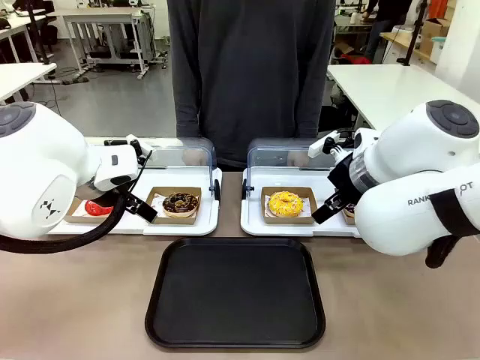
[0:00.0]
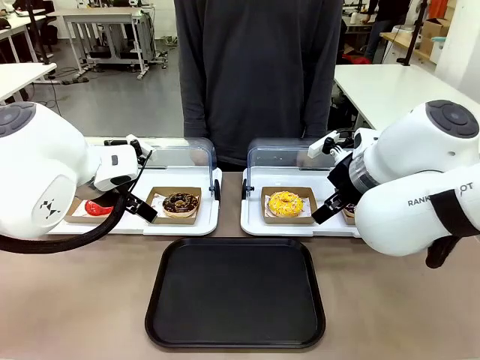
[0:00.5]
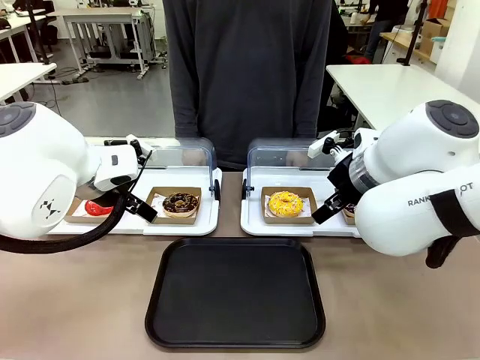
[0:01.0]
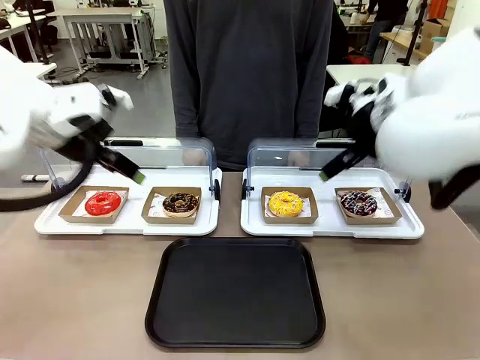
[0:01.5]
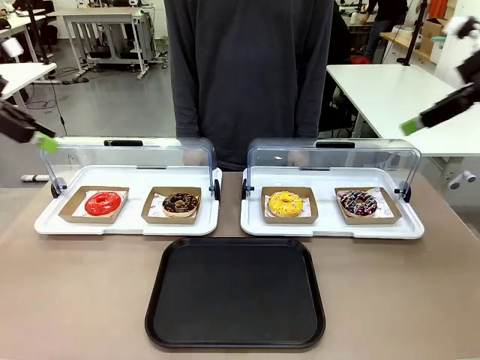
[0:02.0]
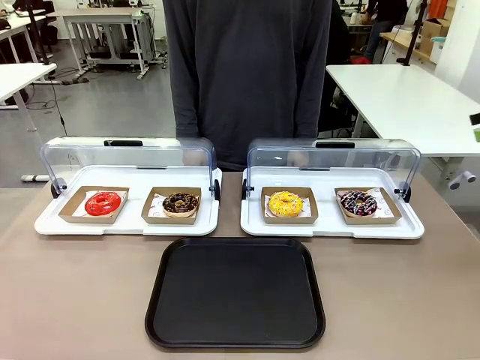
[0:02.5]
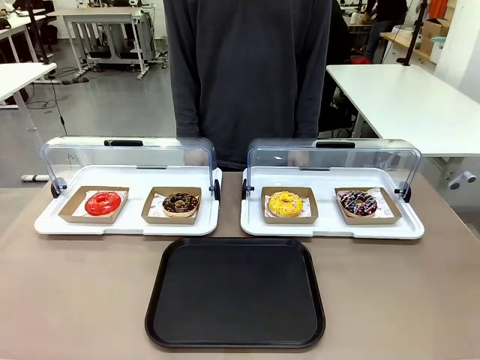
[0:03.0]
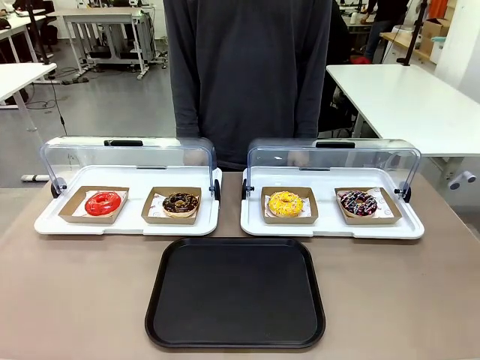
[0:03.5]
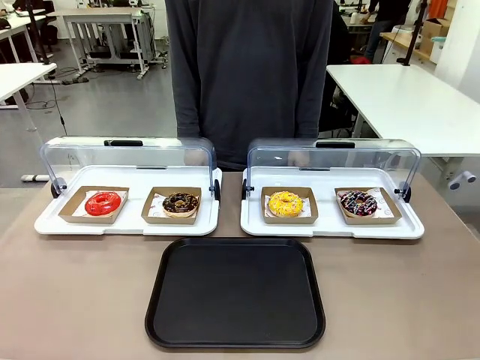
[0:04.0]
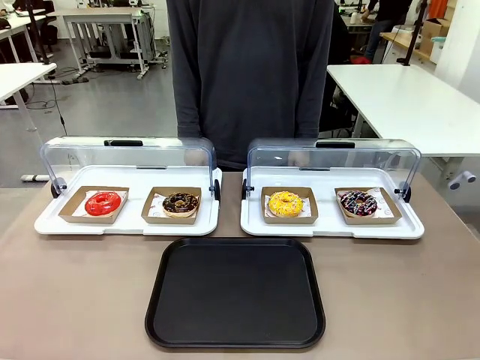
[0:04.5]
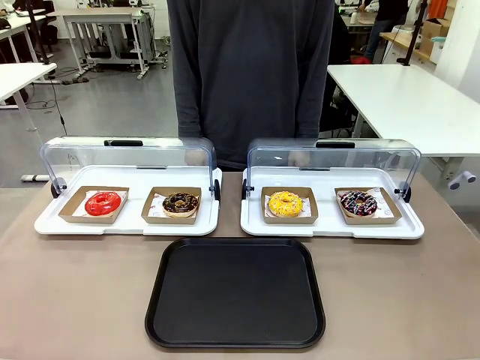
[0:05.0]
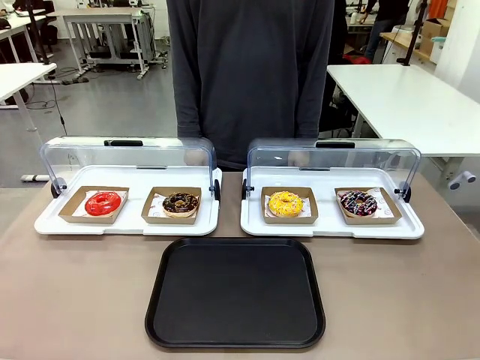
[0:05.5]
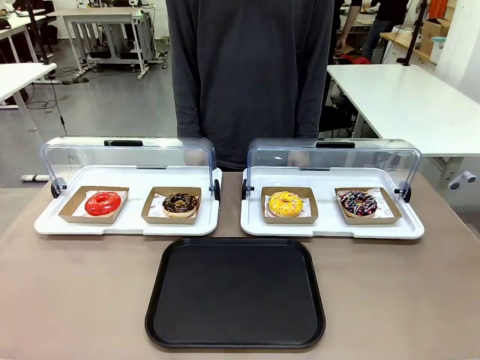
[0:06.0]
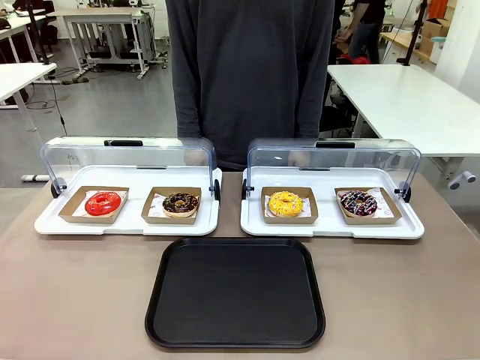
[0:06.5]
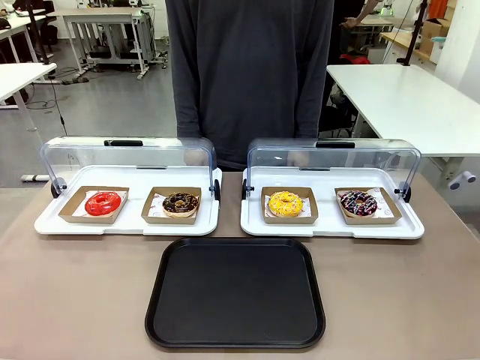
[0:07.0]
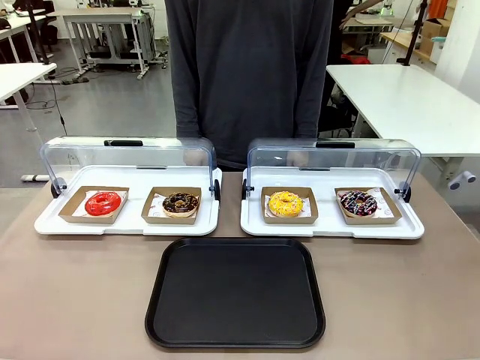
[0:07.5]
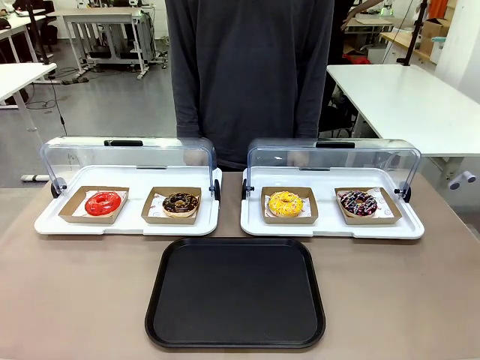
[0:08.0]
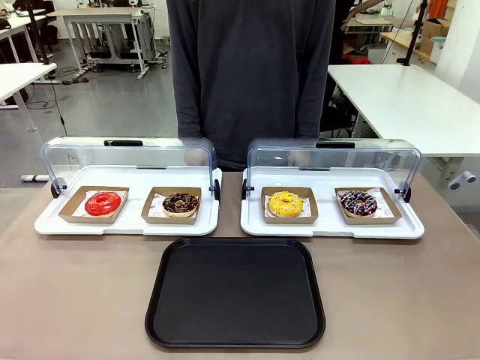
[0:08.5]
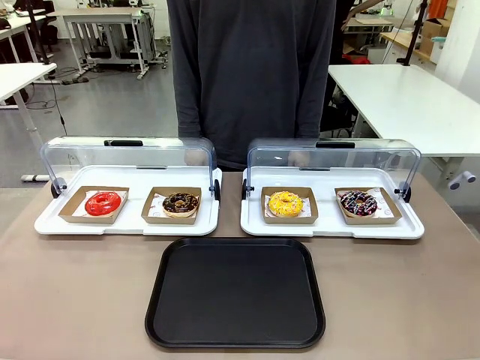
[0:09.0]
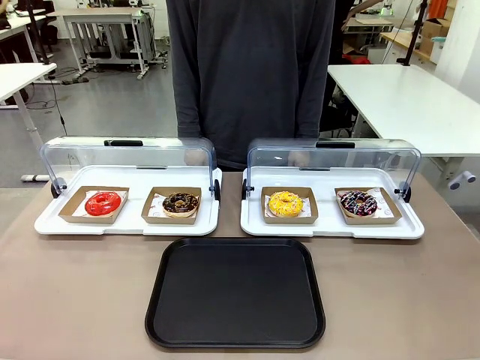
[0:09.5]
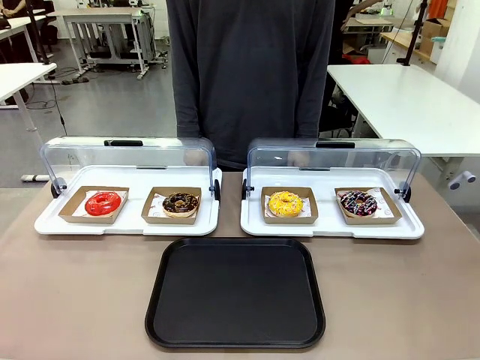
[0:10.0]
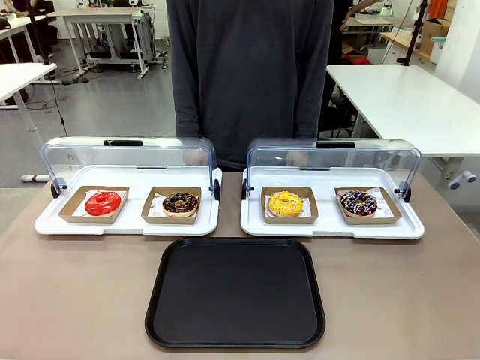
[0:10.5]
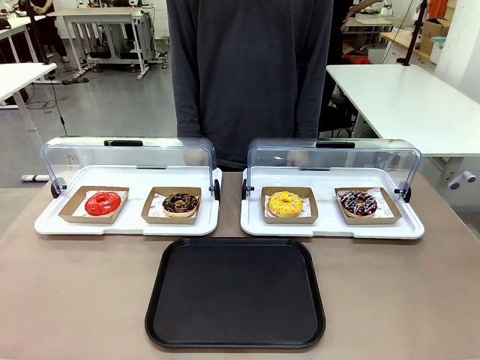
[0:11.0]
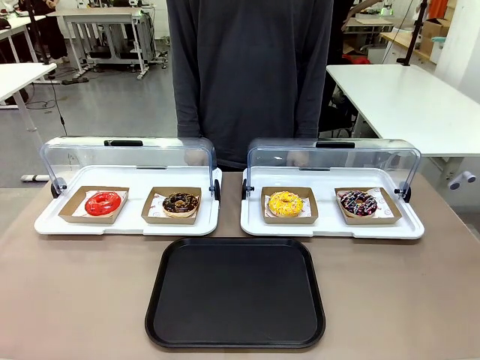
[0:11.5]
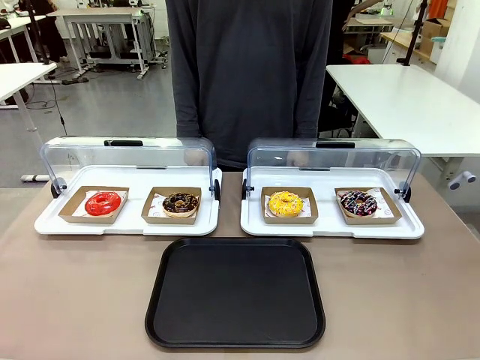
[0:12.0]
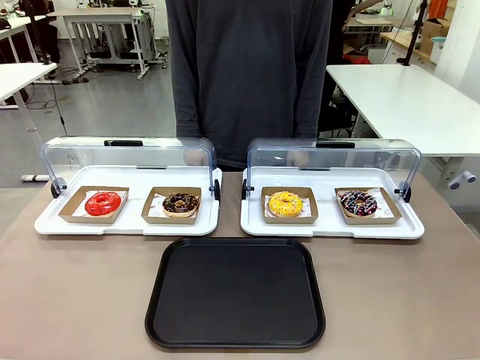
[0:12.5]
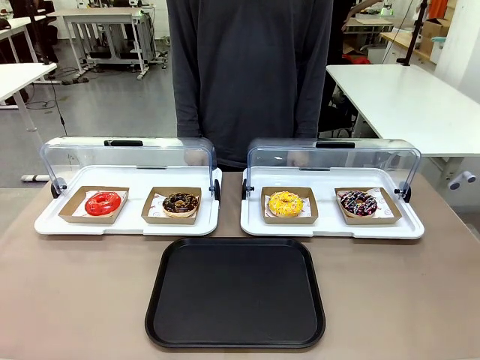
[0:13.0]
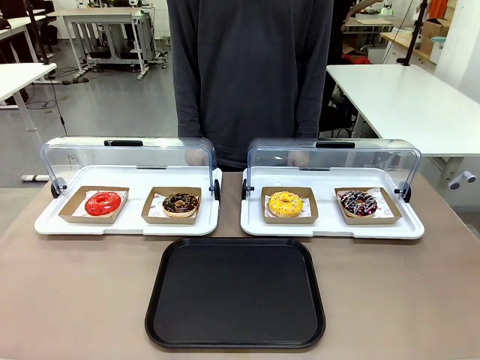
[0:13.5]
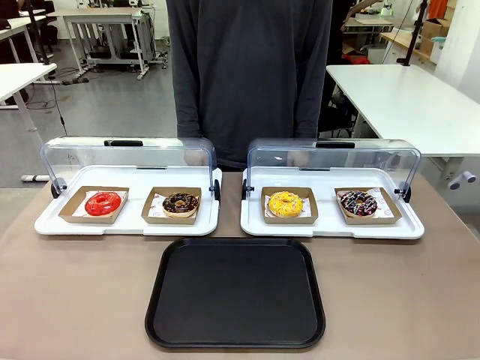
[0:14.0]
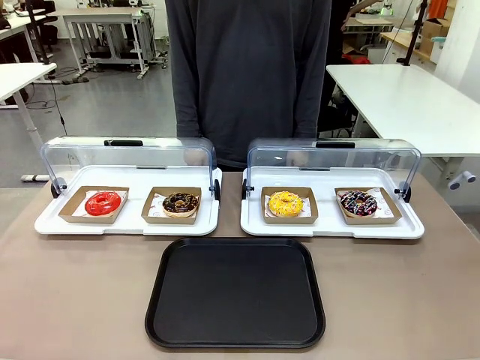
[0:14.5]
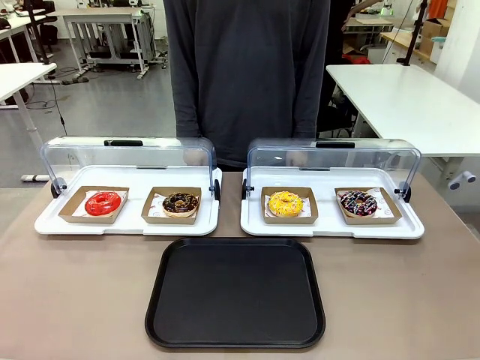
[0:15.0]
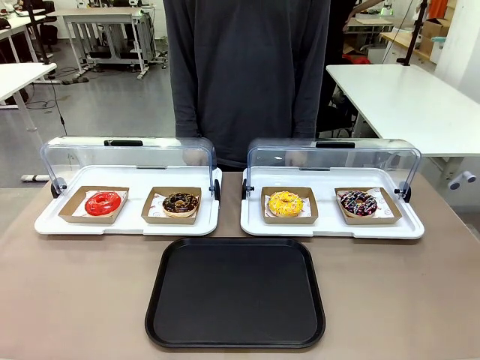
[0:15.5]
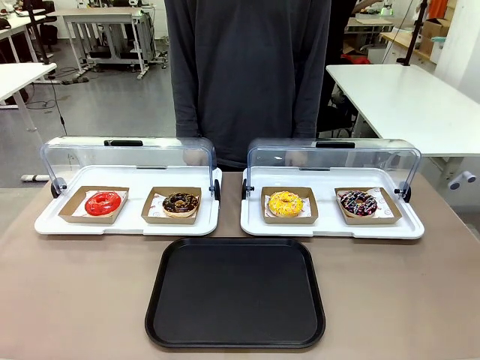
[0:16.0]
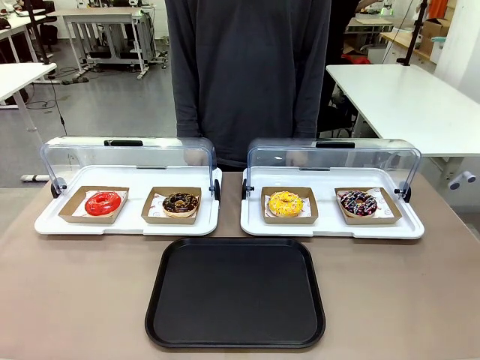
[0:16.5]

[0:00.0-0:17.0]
Task: Move the third donut from the left to the tray.
Robot: Pick up the Paper togo box containing the Donut indicated by the person and place it on the Handle tray.

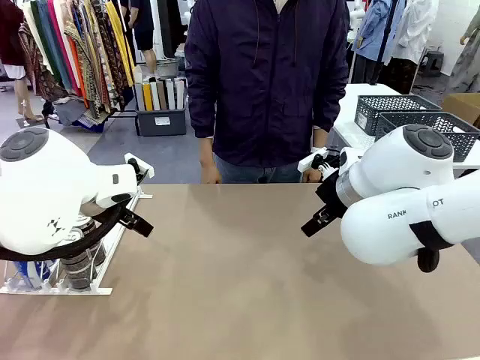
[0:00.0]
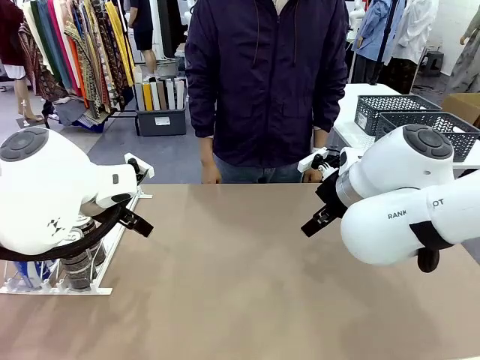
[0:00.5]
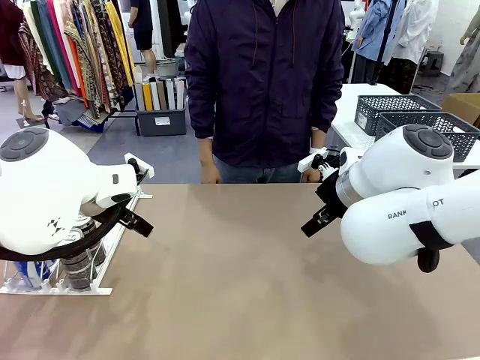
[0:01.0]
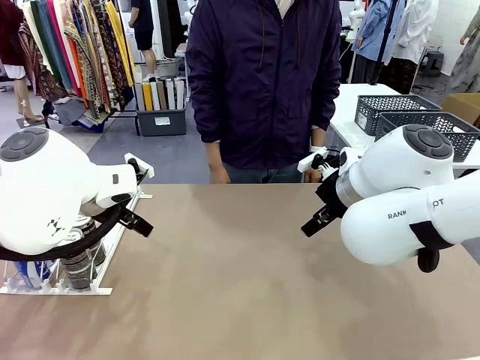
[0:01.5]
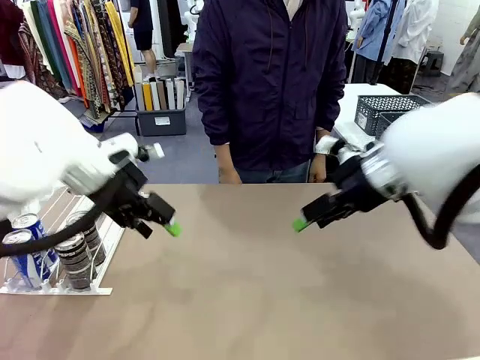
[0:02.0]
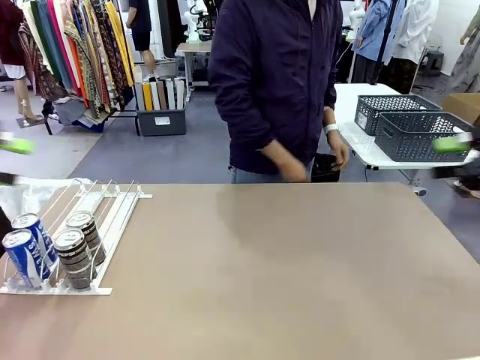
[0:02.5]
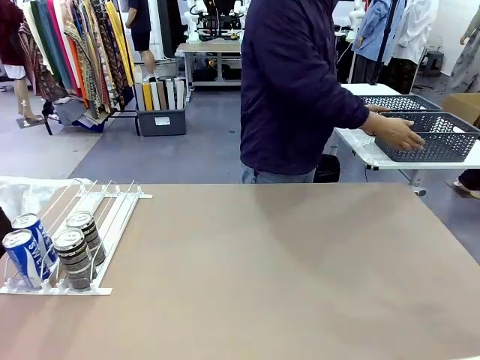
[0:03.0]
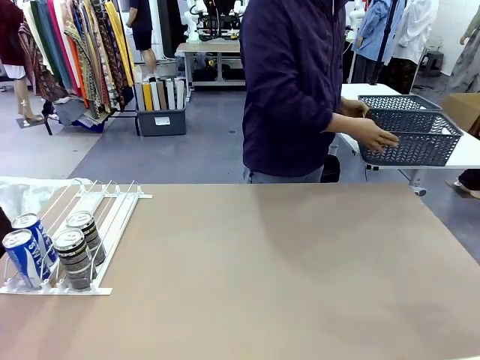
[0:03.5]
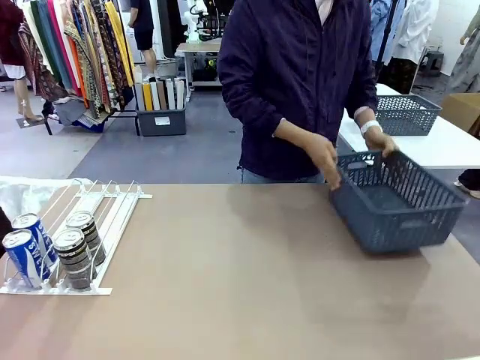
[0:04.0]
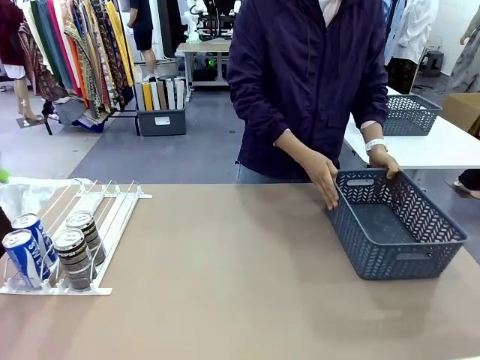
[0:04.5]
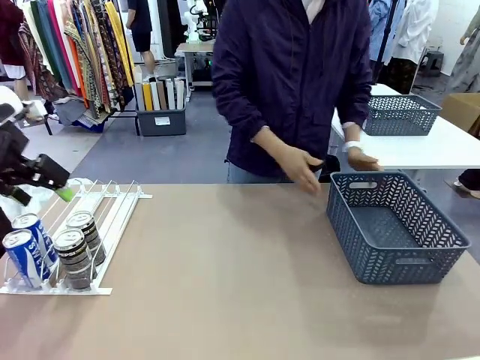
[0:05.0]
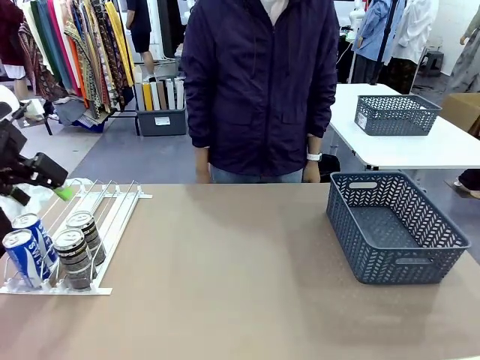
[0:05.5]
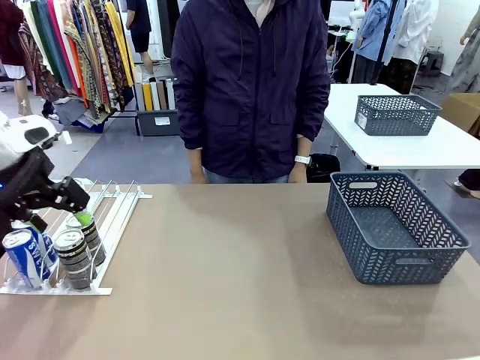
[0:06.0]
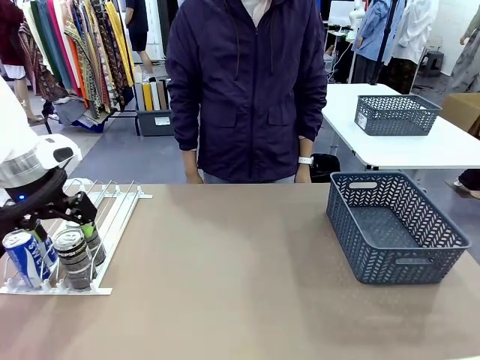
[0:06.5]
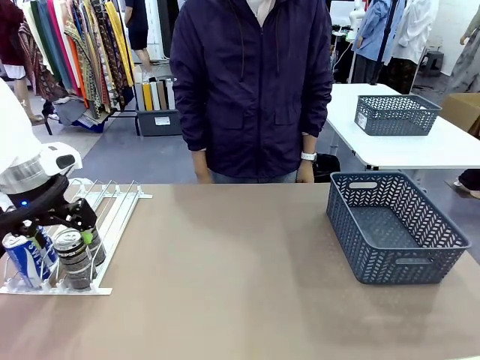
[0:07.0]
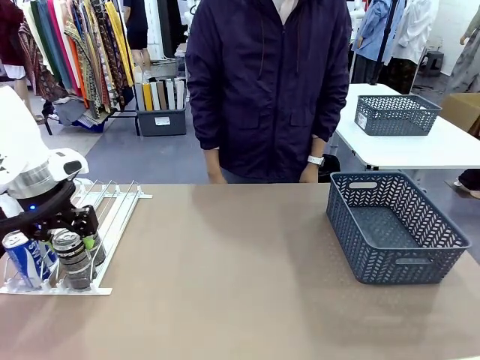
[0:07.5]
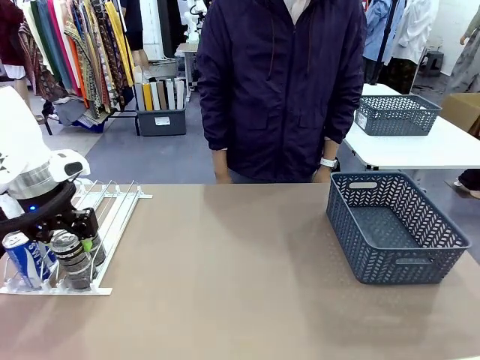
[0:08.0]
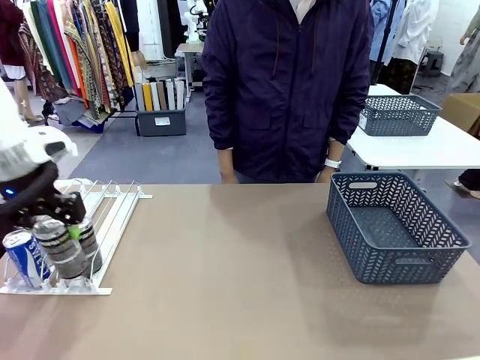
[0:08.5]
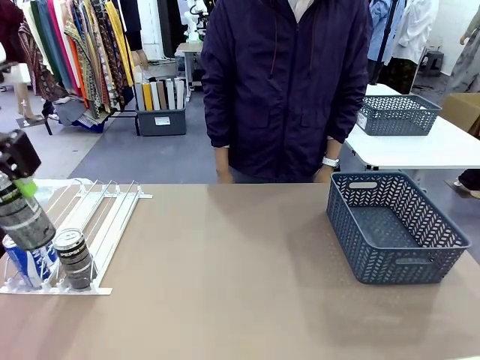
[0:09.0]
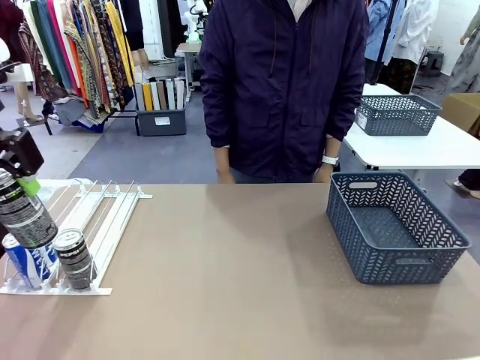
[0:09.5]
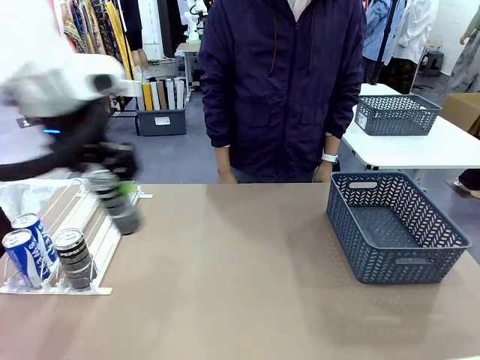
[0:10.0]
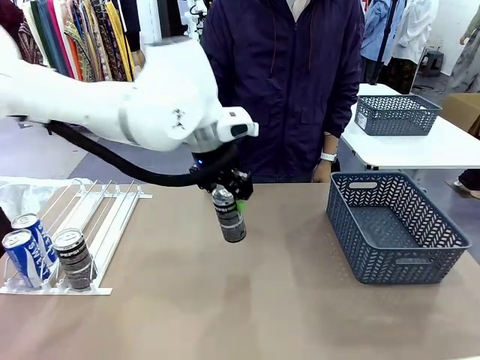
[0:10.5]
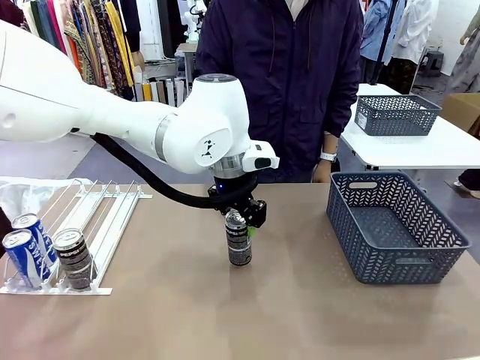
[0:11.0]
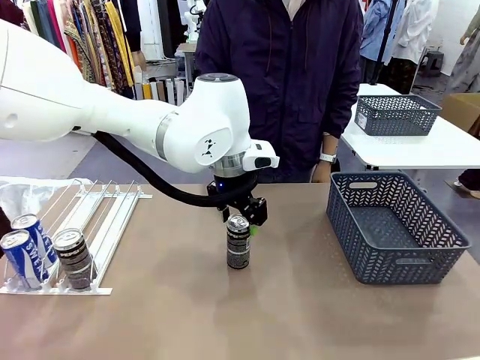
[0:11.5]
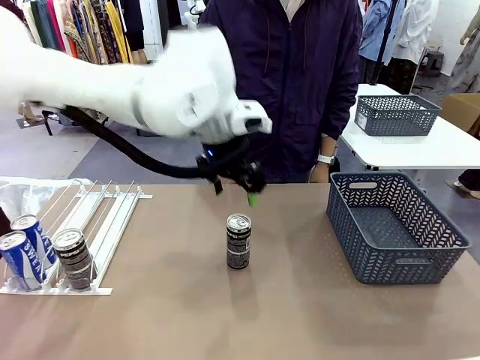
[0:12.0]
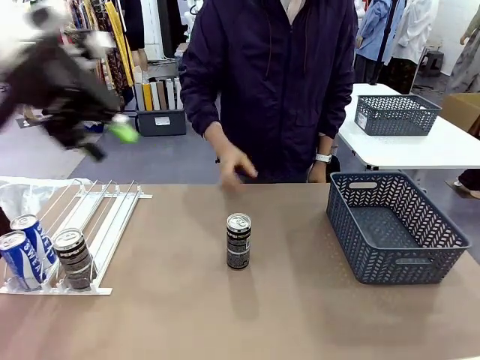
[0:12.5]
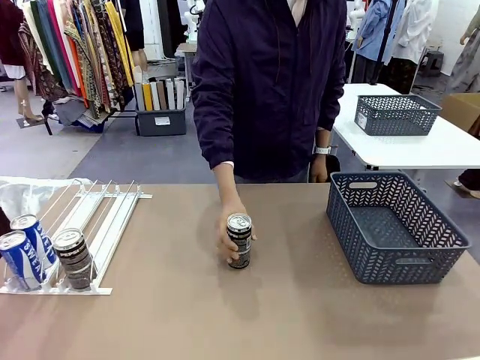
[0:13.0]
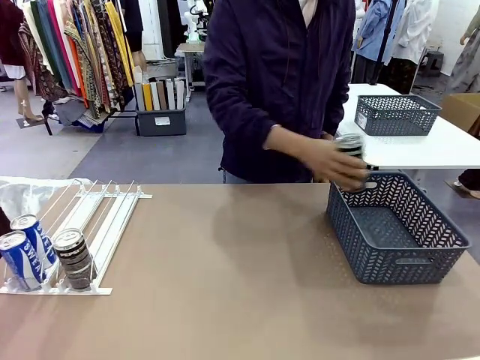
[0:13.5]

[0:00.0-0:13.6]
Task: Retrieve and store the cans from the dispenser.
Robot: Pick up one can from the Automatic Can Dispenser and place it in the middle of the table.
Person: Pick up the basket and place it on the left side of the robot table.
